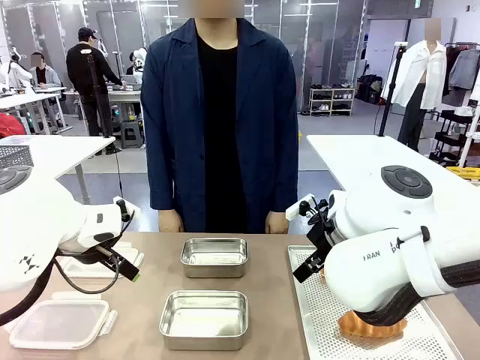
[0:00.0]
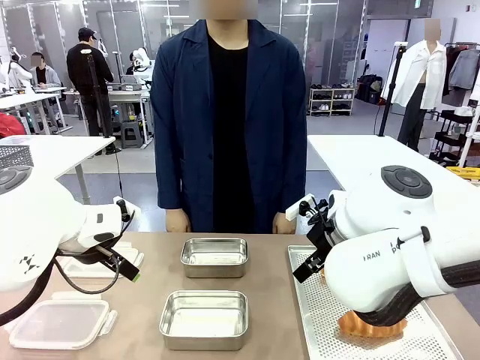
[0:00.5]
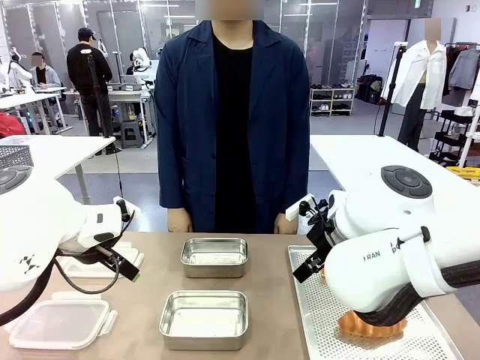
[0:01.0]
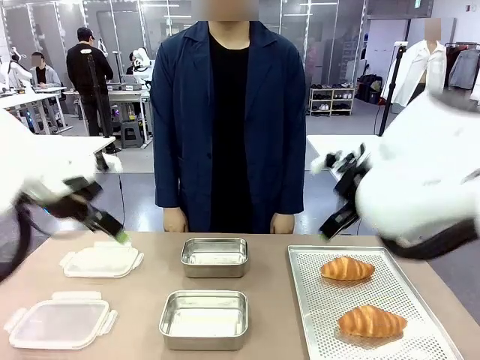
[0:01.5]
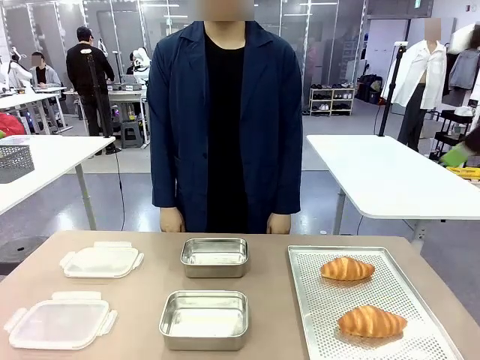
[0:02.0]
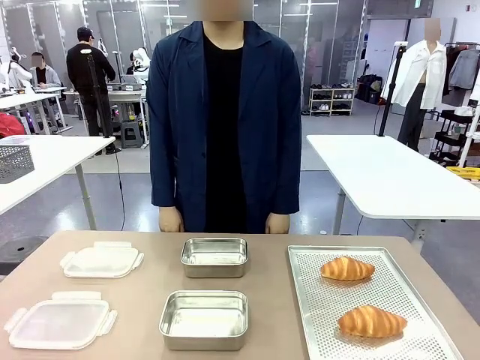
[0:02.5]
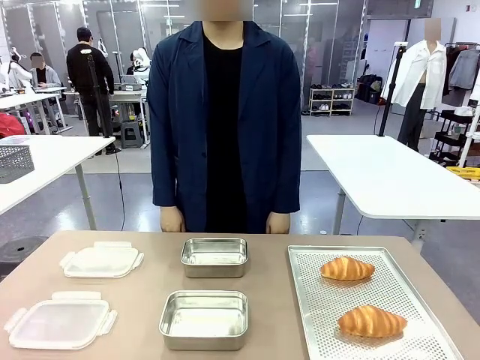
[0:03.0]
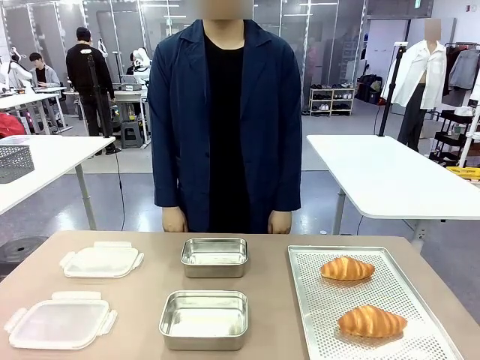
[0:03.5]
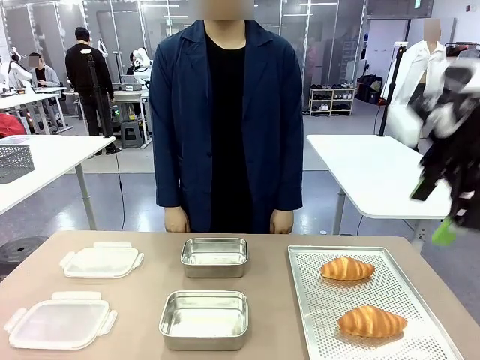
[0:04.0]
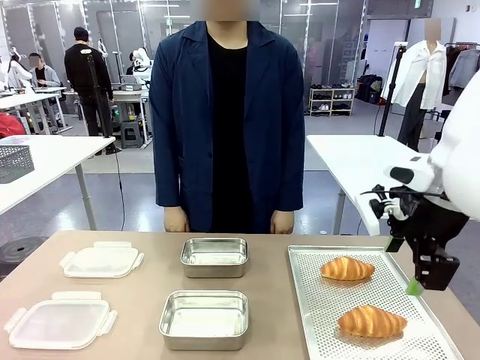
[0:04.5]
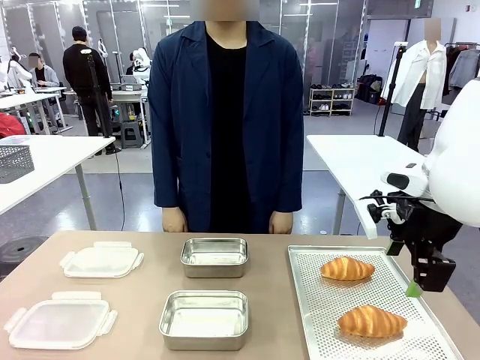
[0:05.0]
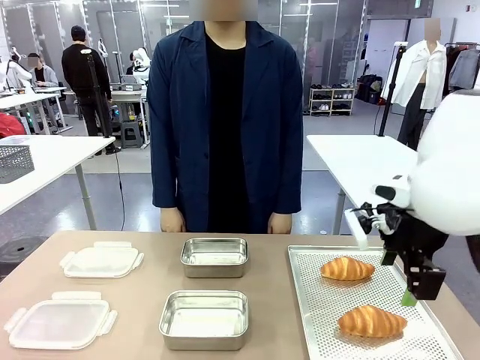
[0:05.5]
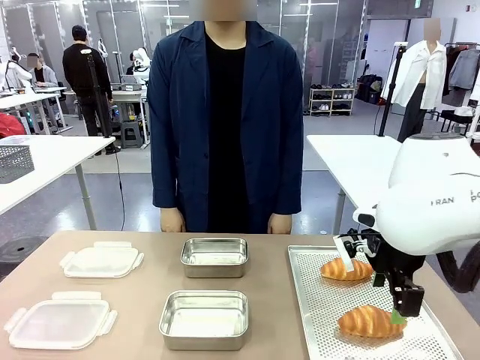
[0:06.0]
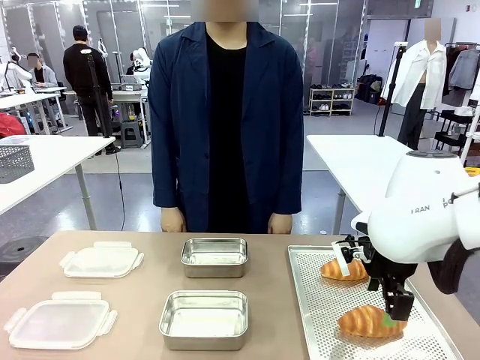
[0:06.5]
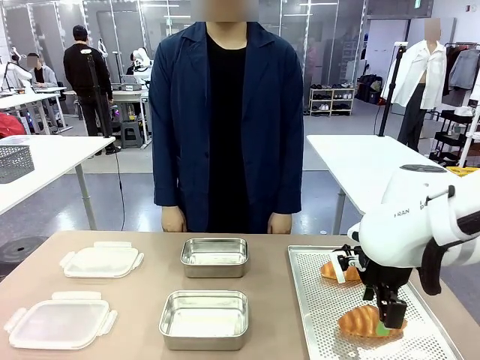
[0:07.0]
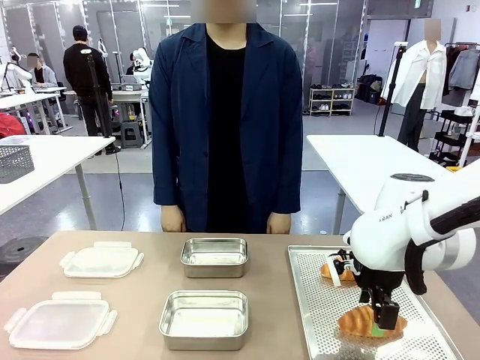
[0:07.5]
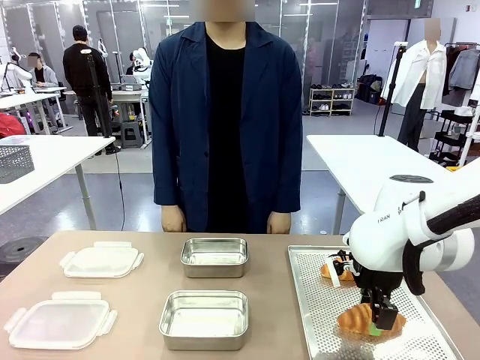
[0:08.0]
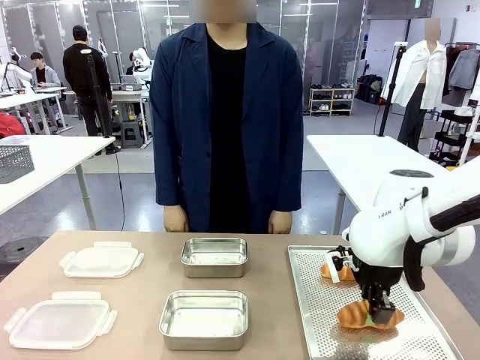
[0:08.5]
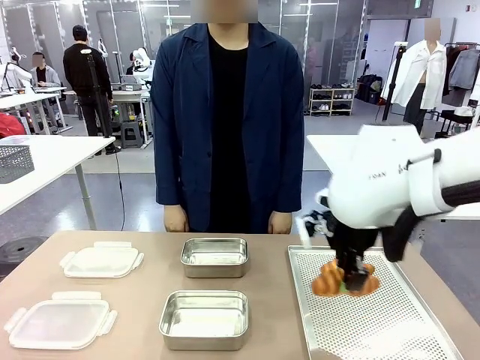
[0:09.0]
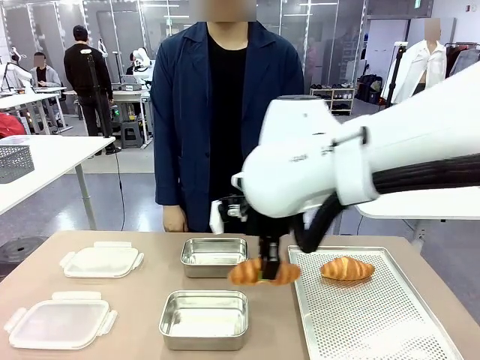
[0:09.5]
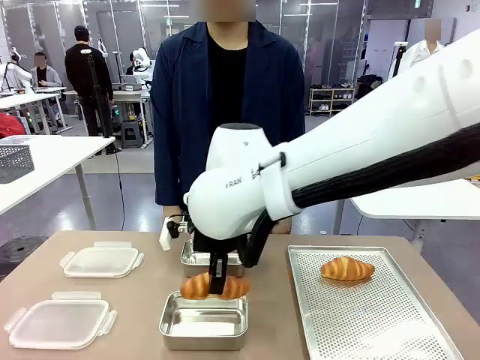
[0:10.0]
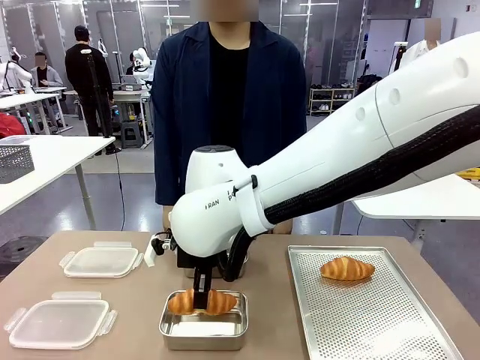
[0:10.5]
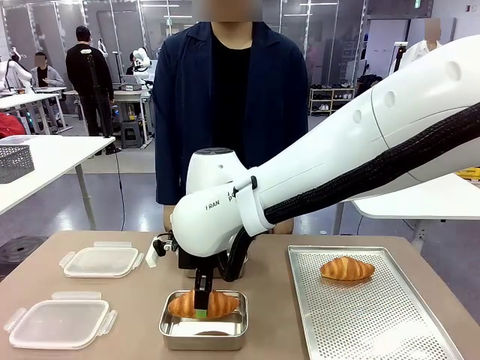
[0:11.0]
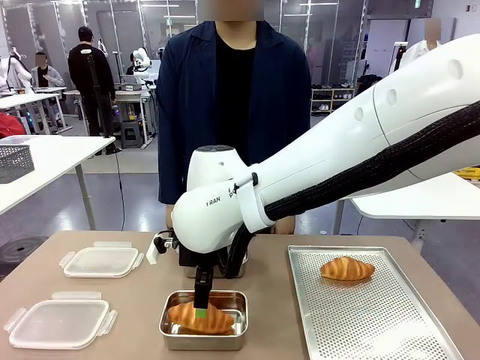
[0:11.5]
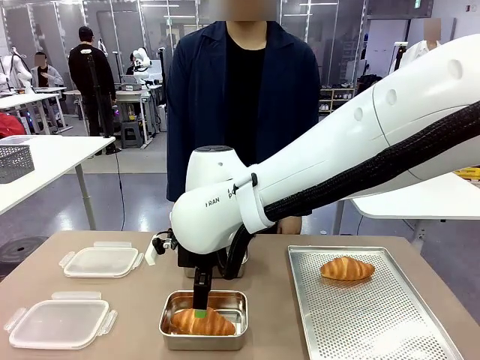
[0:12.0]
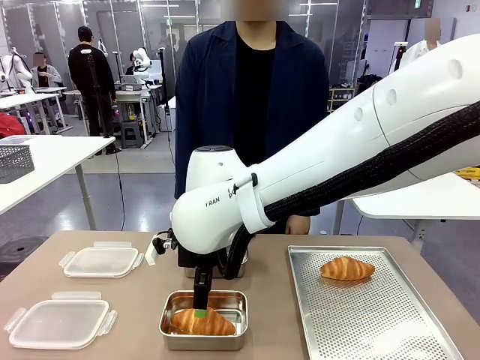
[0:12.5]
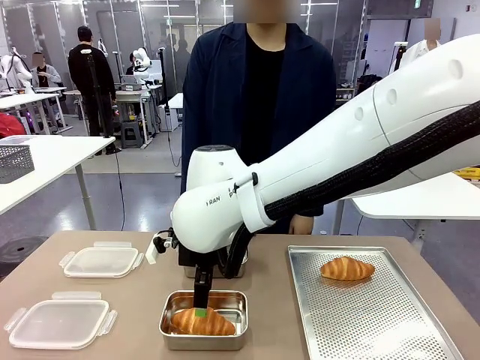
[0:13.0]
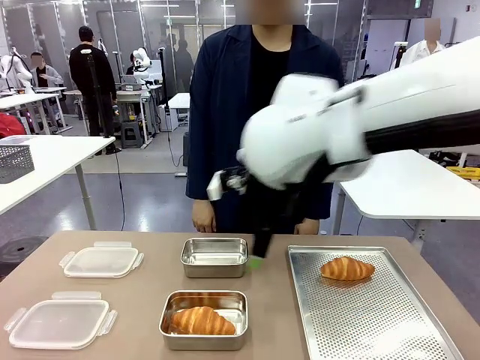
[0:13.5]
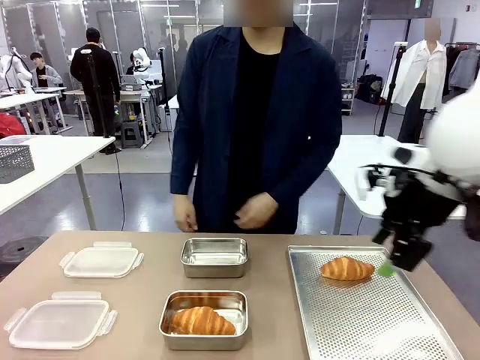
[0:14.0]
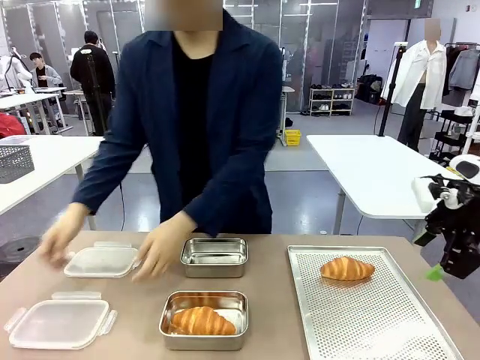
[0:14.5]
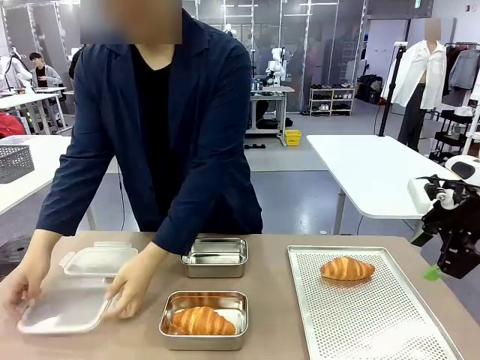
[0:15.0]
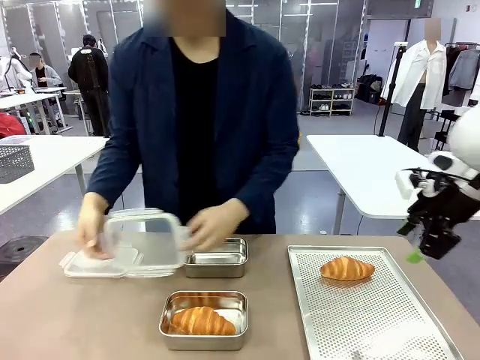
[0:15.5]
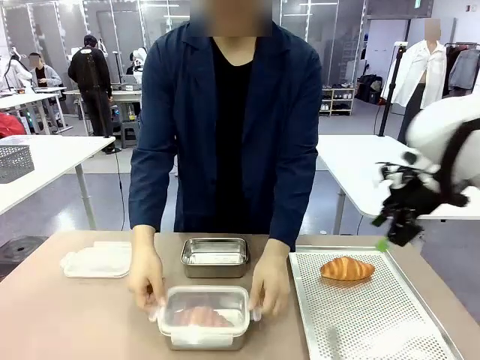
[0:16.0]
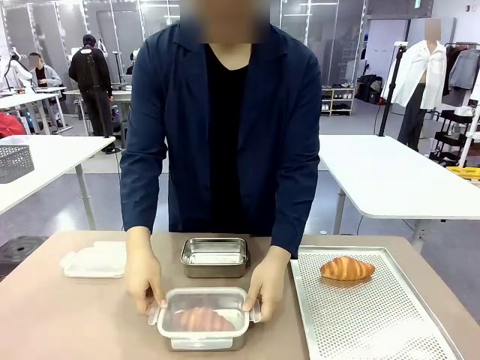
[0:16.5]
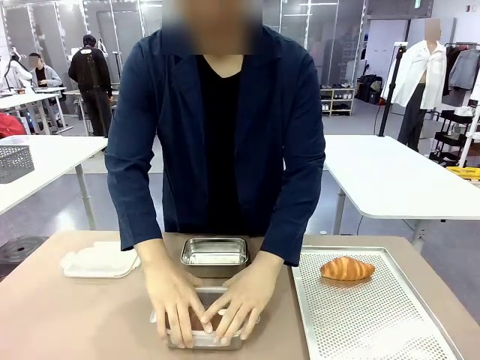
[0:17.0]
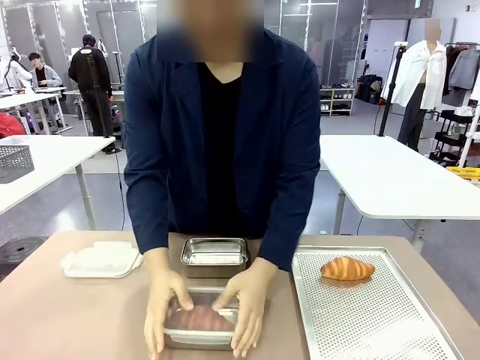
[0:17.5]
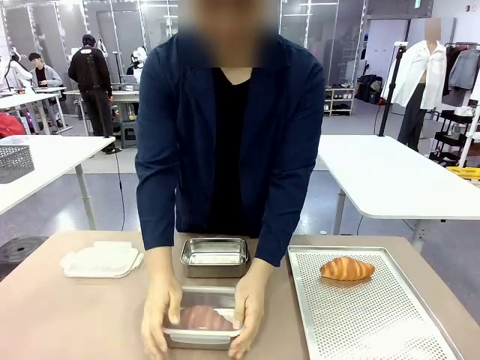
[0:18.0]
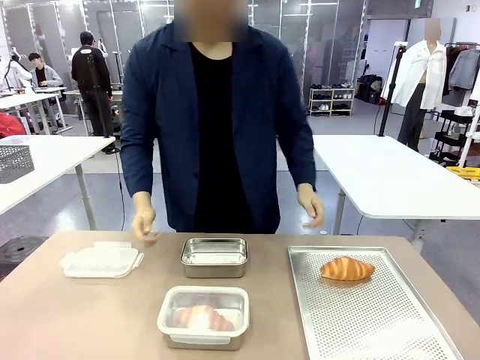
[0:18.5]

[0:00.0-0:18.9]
Task: Place the bread into the airtight container.
Robot: Pick up a Butter Roll and place it into an empty Airtight Container.
